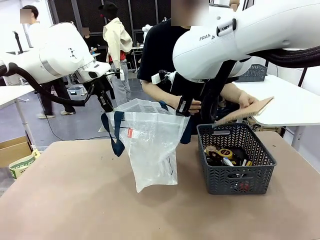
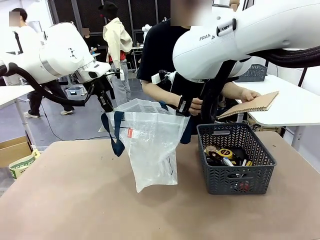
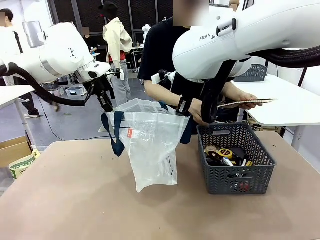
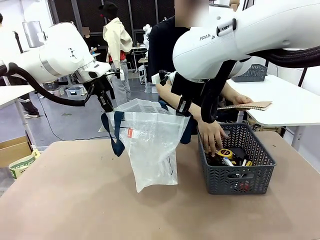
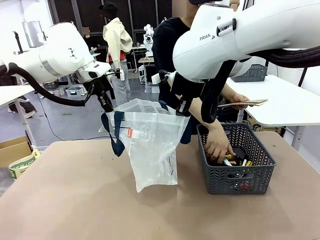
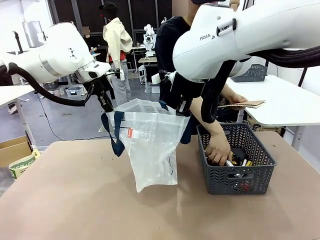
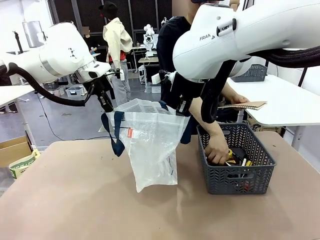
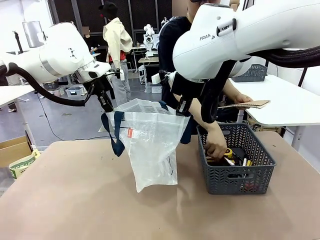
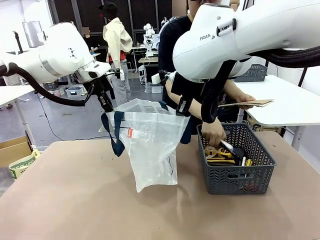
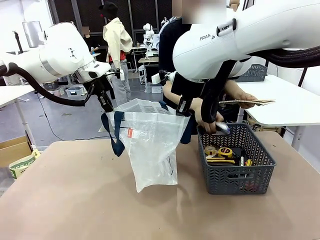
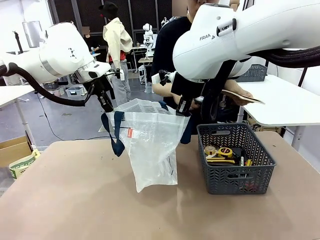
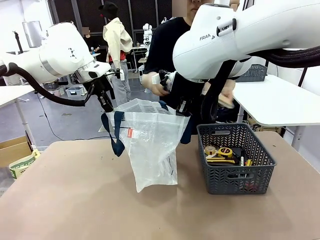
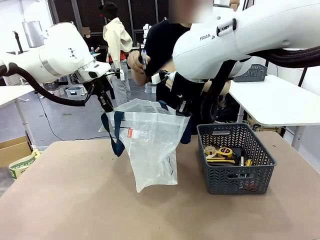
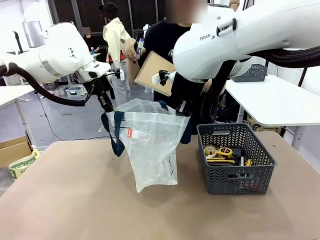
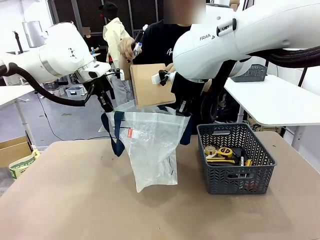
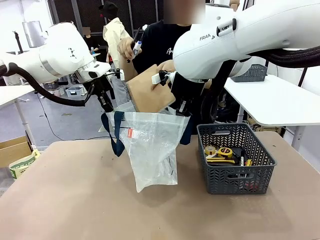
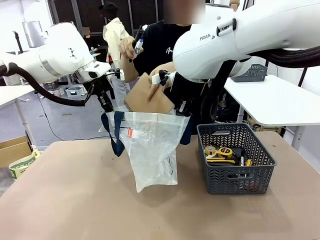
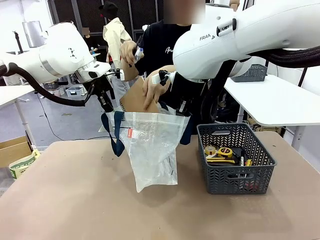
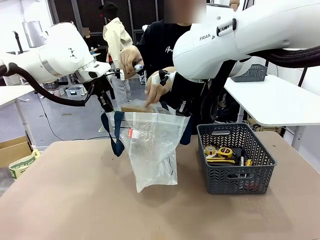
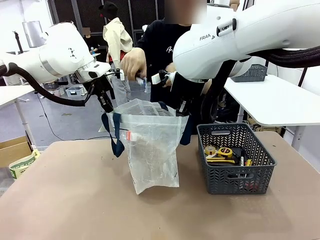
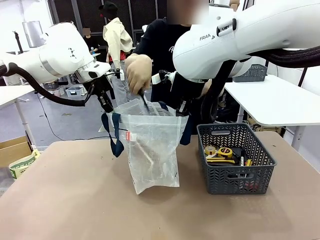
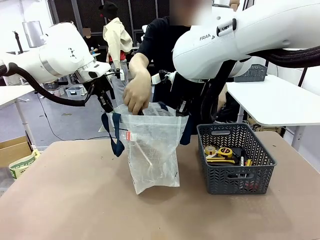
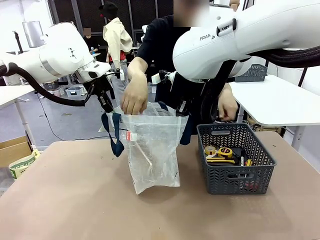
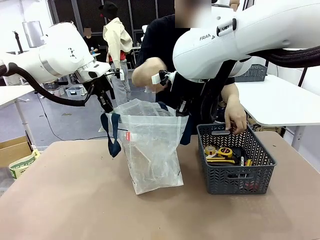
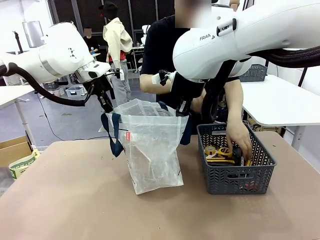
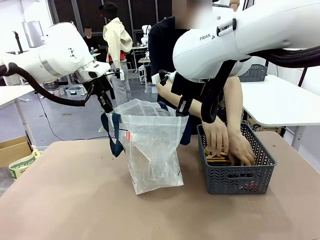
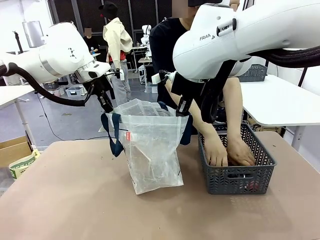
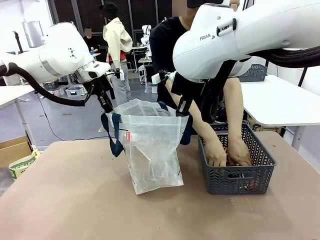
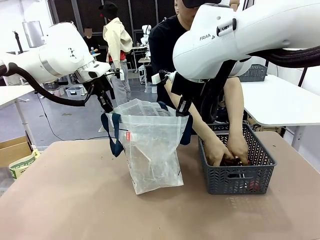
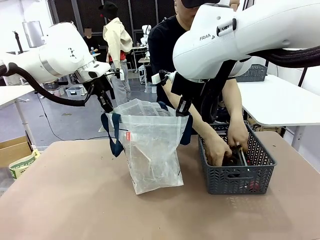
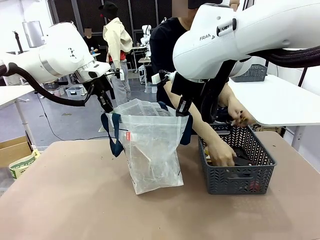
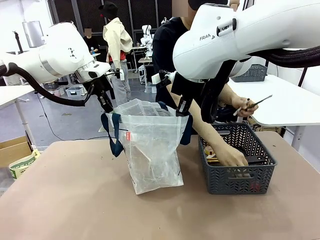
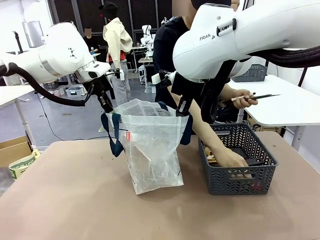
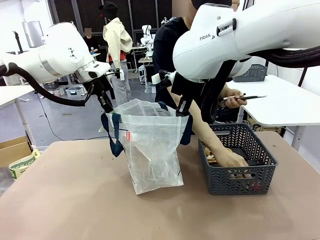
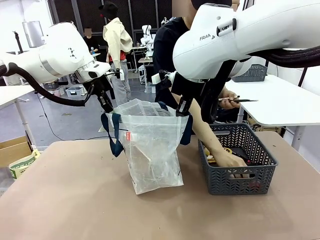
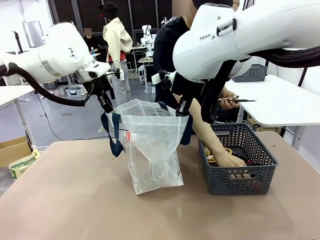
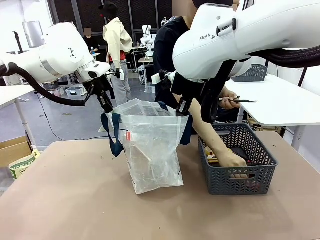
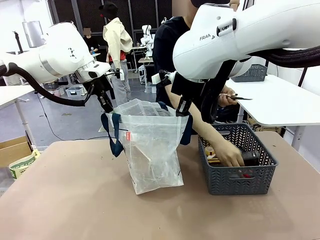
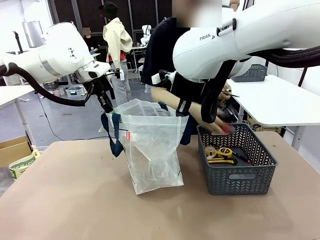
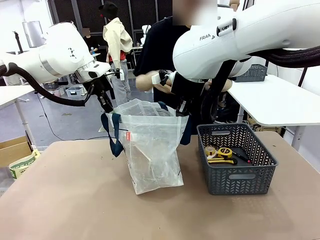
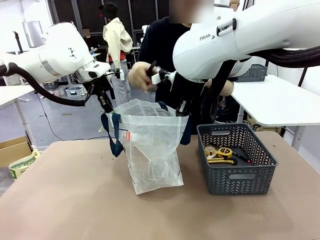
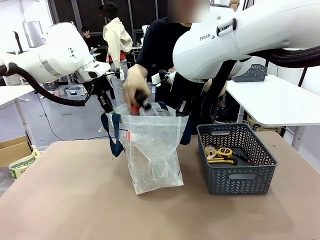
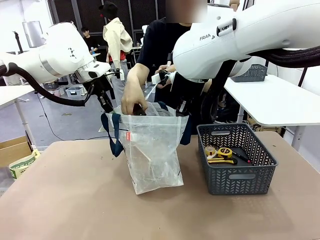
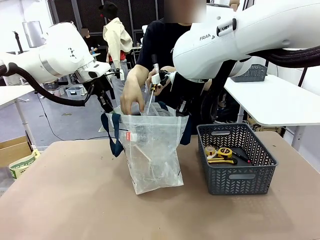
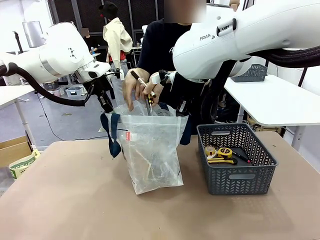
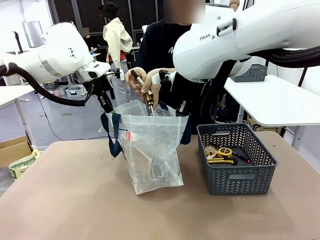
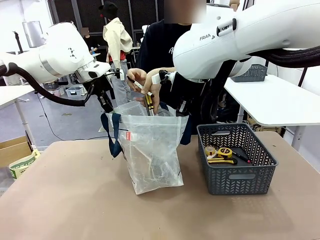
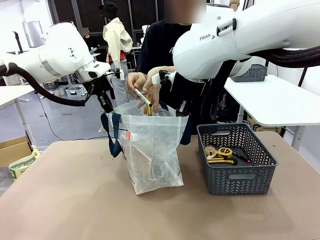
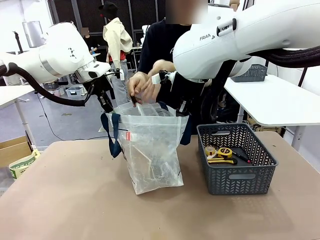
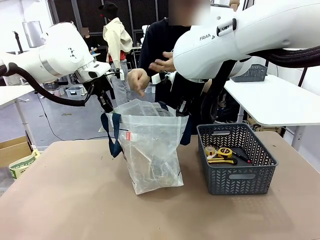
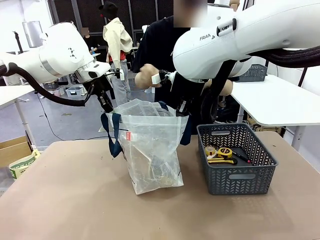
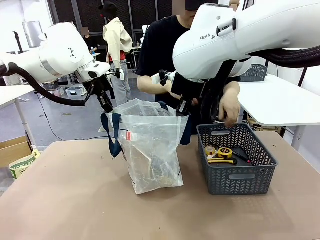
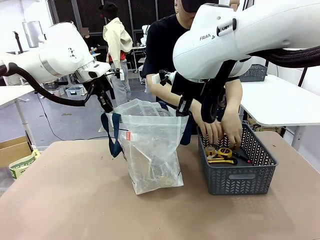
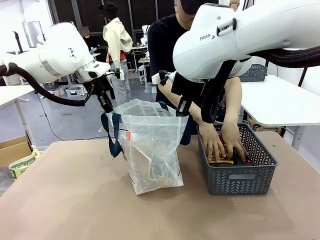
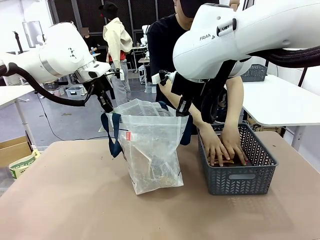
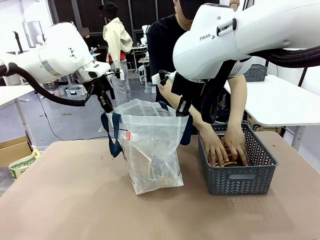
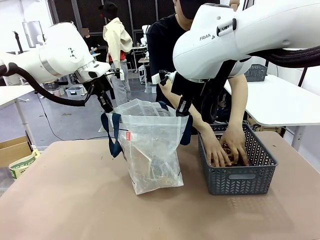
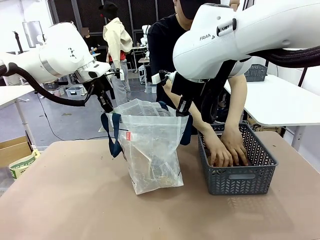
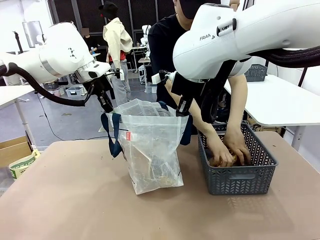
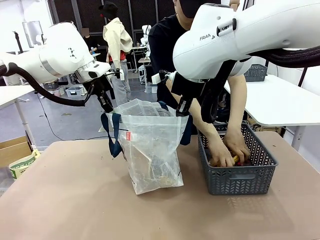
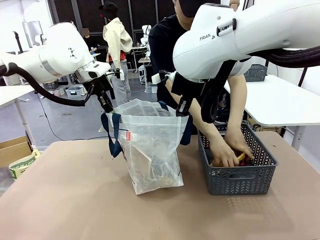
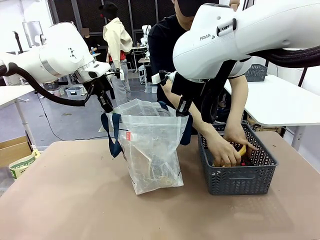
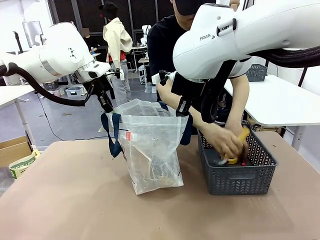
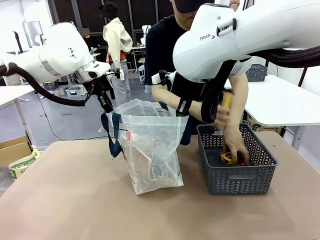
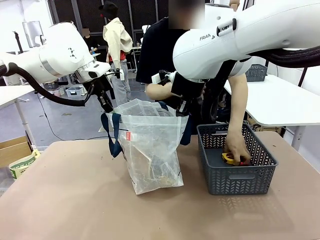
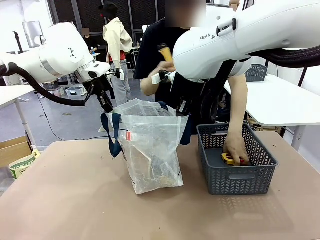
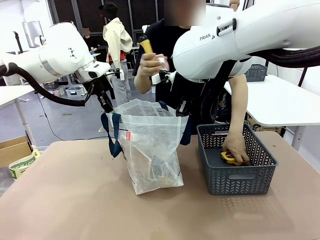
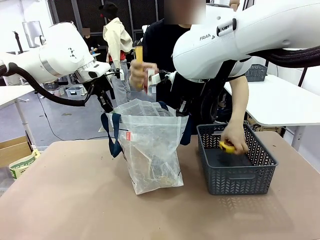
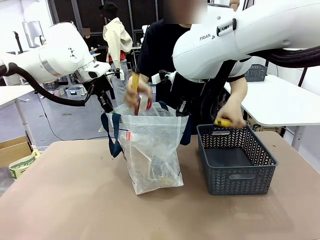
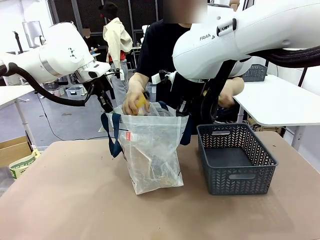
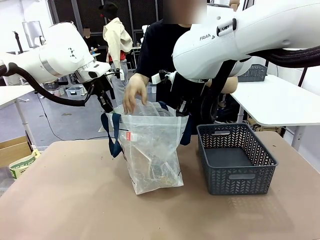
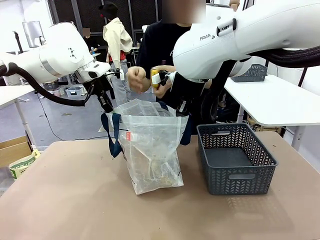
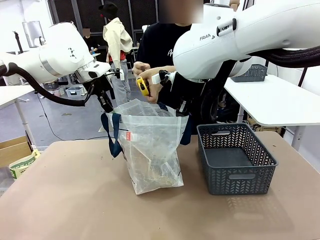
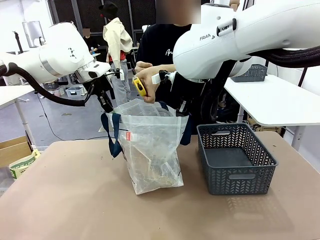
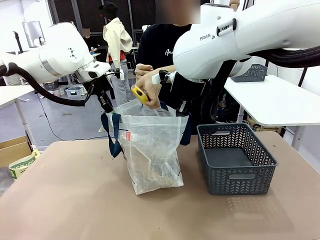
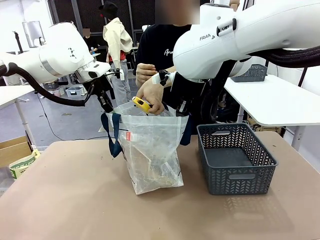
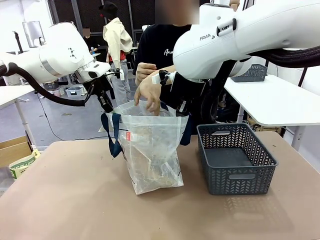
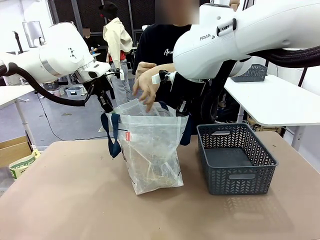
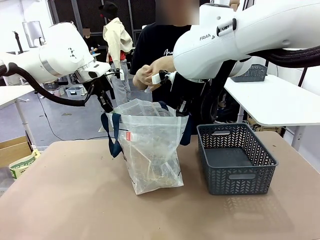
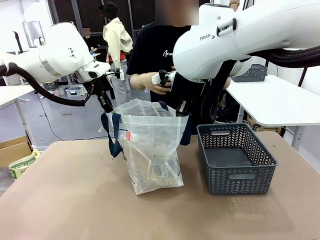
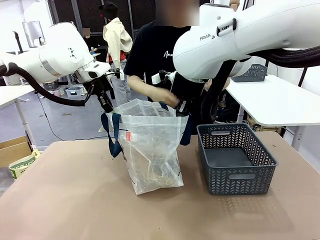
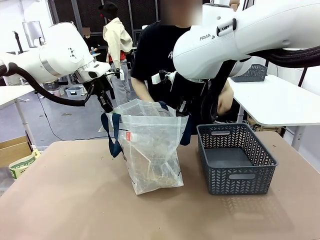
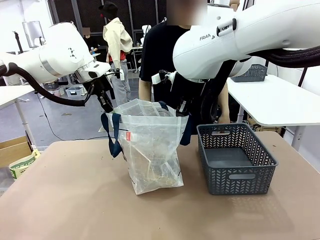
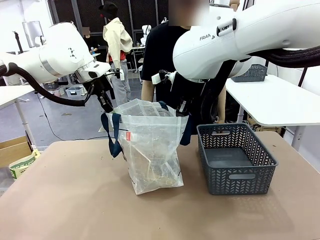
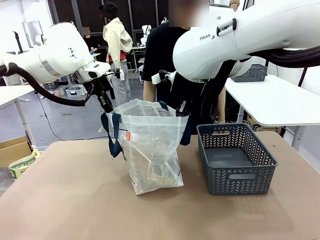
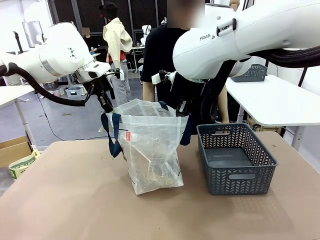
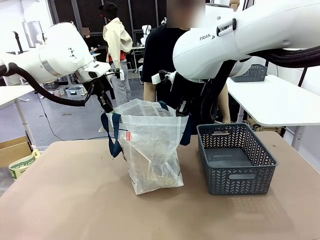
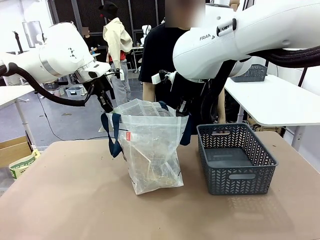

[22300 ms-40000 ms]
Task: Transfer purchased items from the store into the shopping bag.
Robot: Move the Reusable shopping bag to the right side of the table.
Person: Pick up the basket on the right, place it on the left side of the robot table, and move the items in the basket to the shopping bag.
